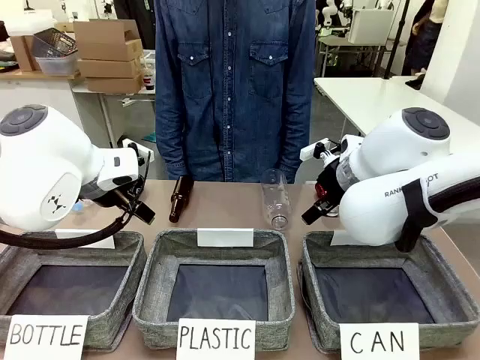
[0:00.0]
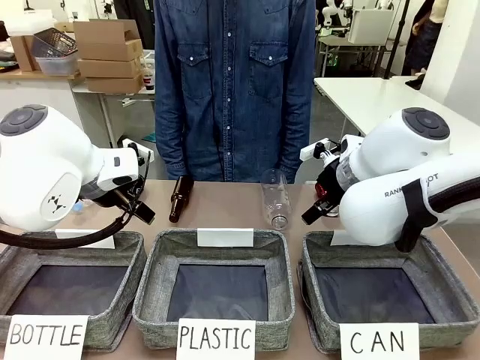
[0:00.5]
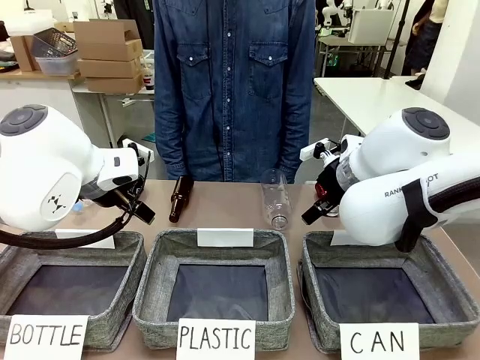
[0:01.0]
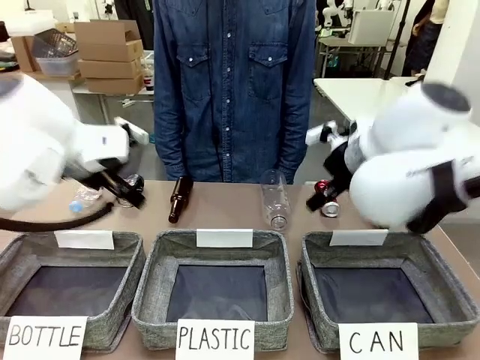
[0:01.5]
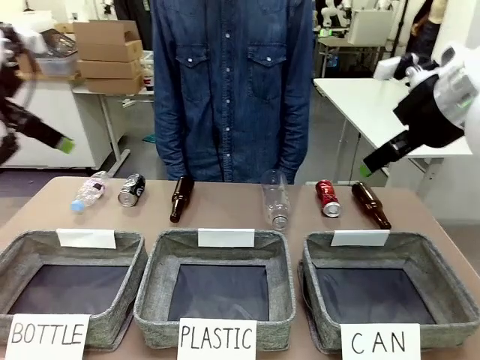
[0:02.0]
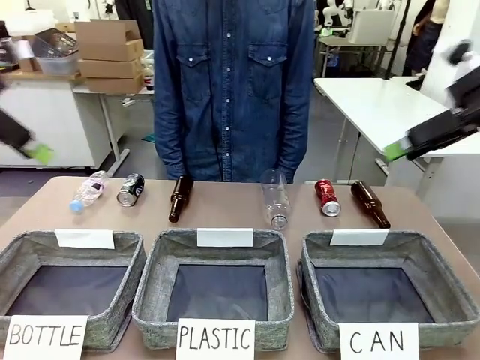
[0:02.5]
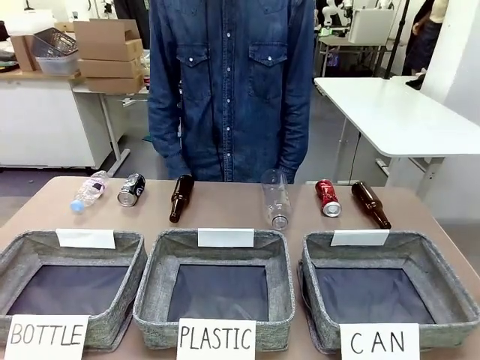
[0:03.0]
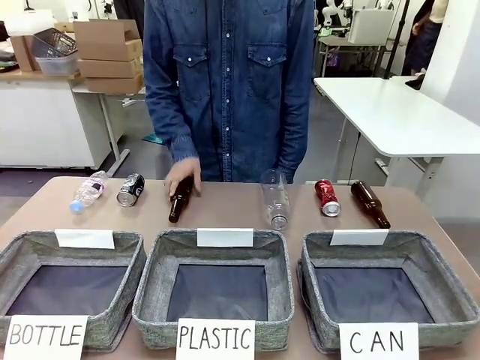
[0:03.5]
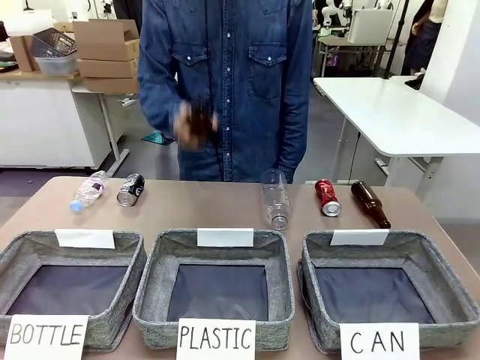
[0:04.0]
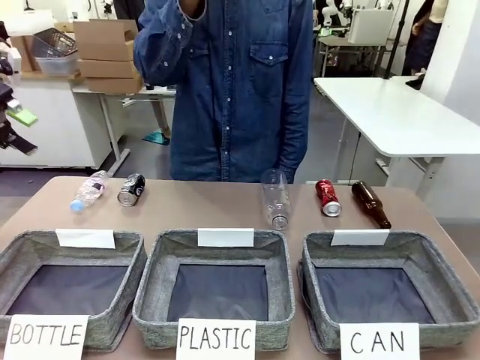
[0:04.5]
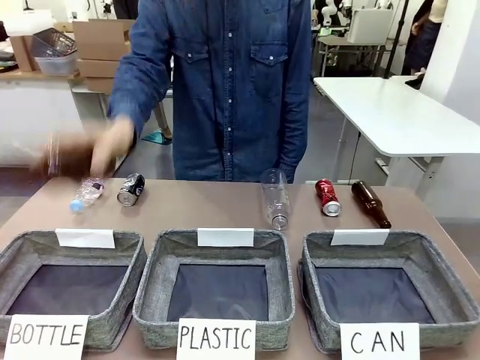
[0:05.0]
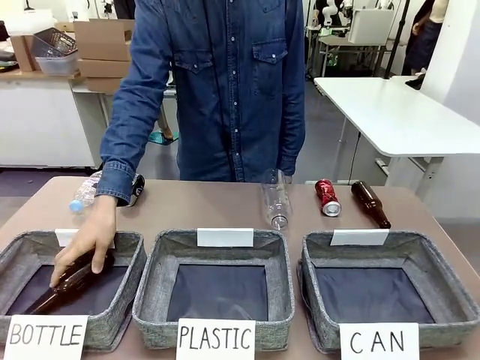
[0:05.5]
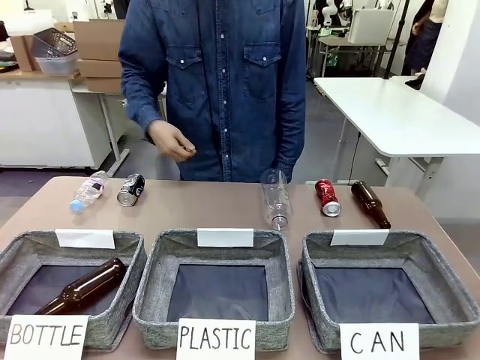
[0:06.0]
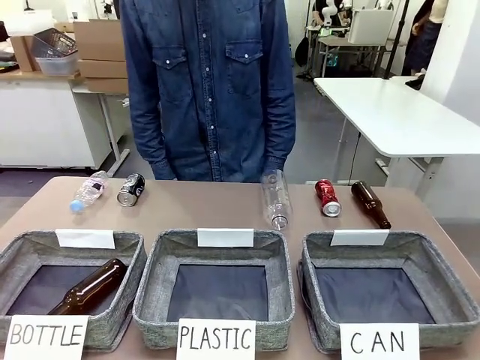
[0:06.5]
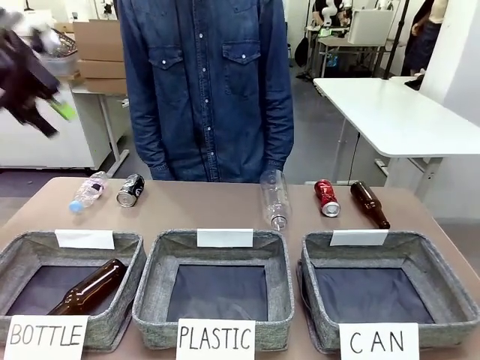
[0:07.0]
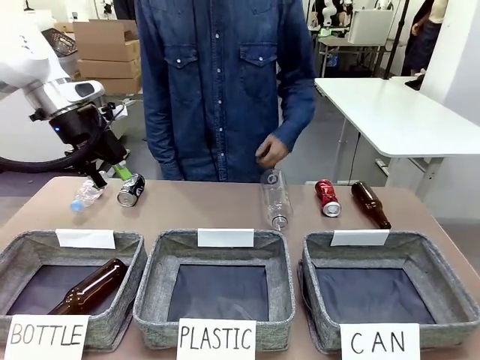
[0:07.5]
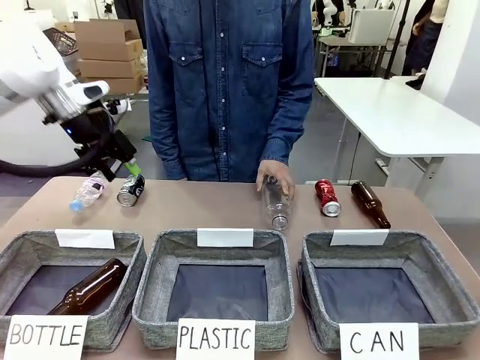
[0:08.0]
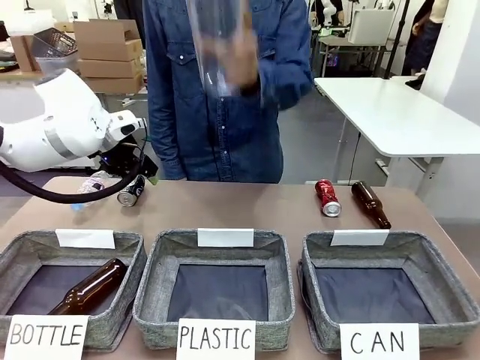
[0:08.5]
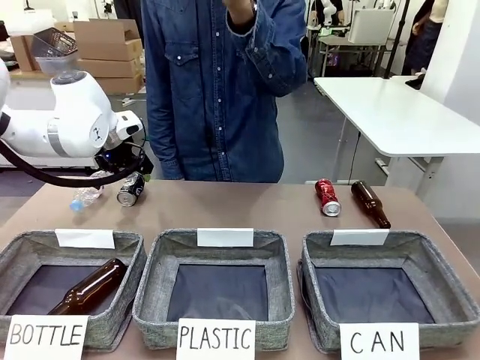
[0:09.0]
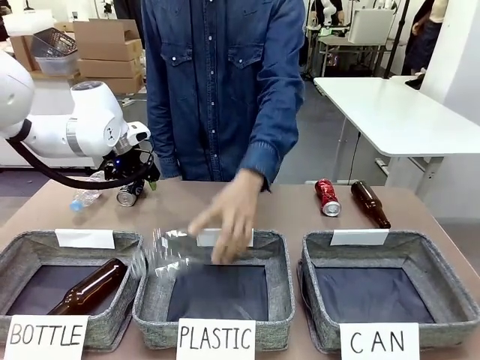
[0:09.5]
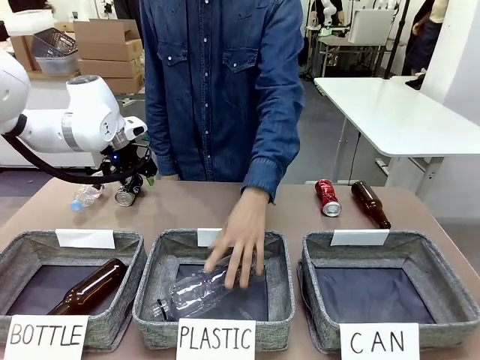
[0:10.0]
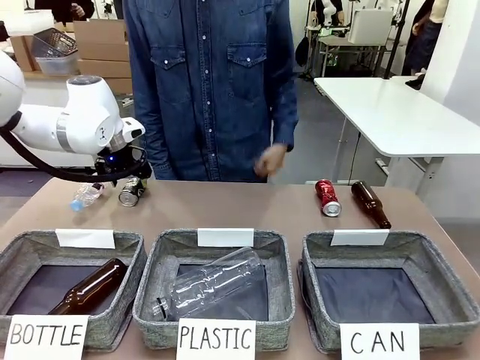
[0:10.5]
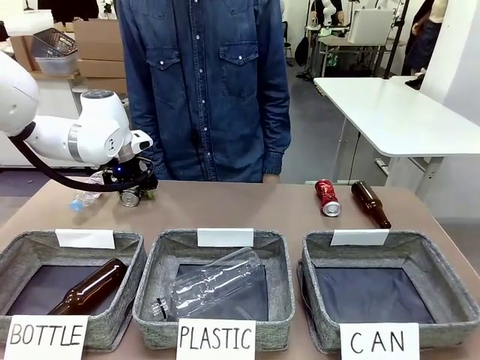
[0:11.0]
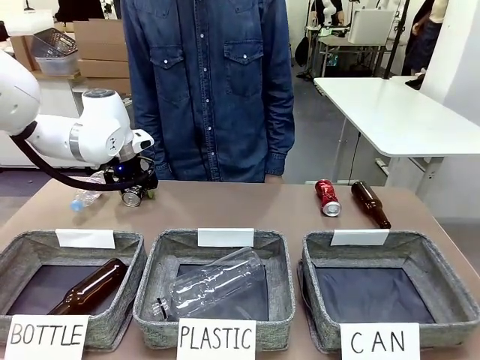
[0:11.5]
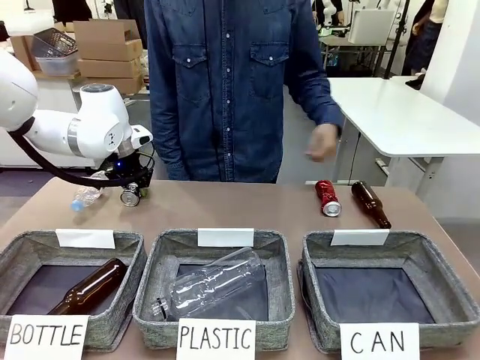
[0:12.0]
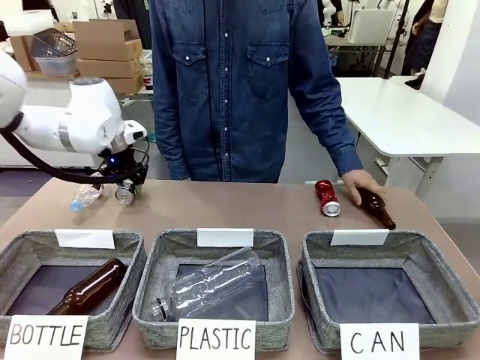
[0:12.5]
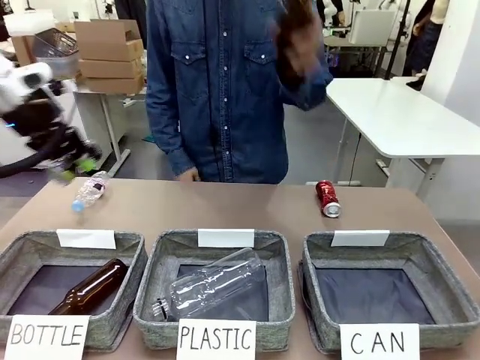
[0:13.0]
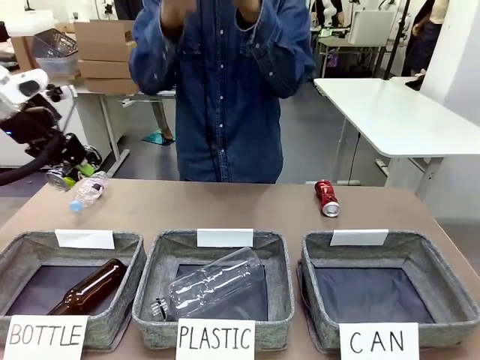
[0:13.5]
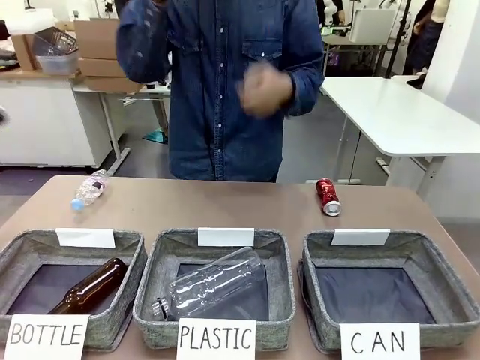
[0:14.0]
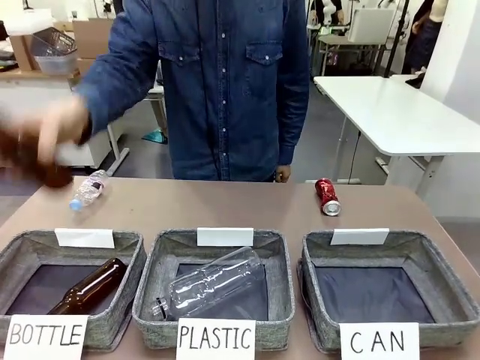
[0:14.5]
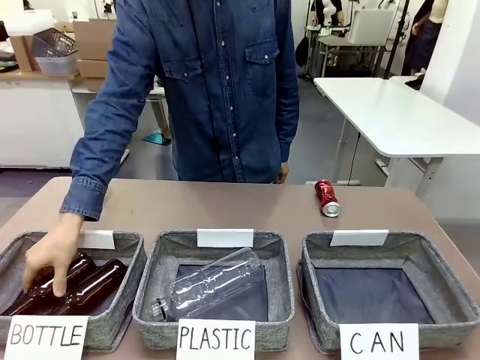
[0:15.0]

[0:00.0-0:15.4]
Task: Sort the can waste into the basket.
Robot: Pick up the can waste from the table and place it in the right Fabric basket.

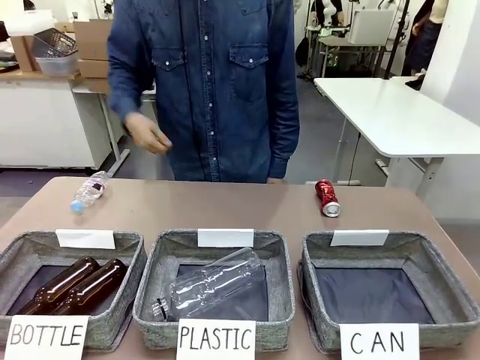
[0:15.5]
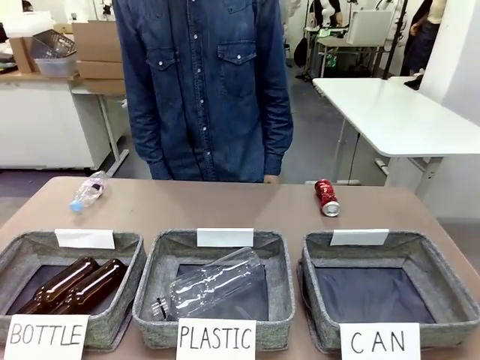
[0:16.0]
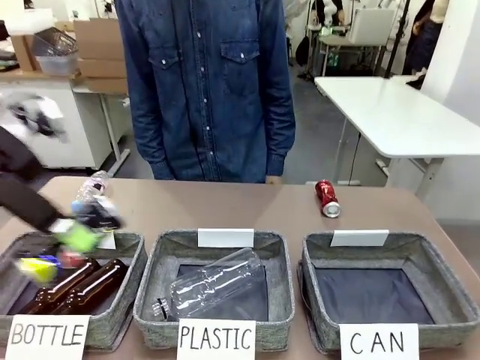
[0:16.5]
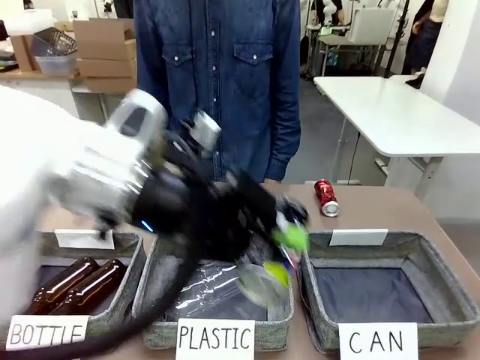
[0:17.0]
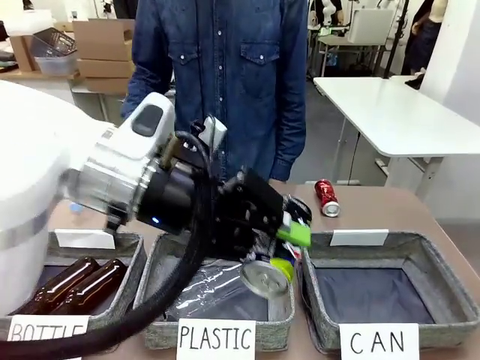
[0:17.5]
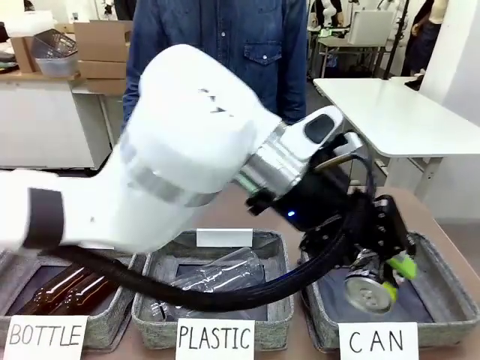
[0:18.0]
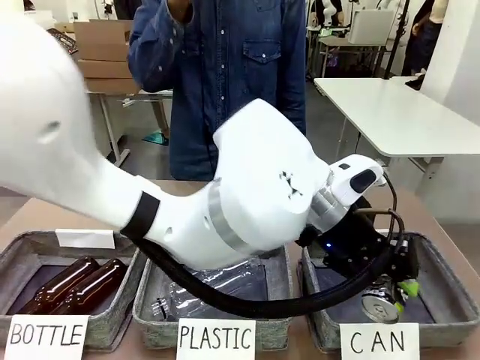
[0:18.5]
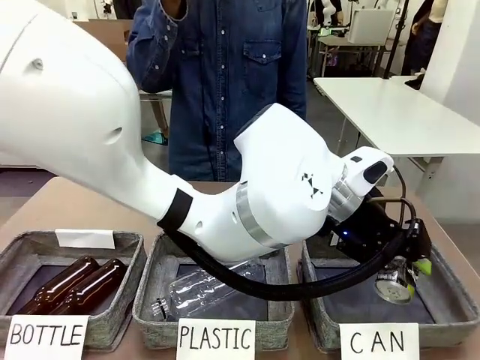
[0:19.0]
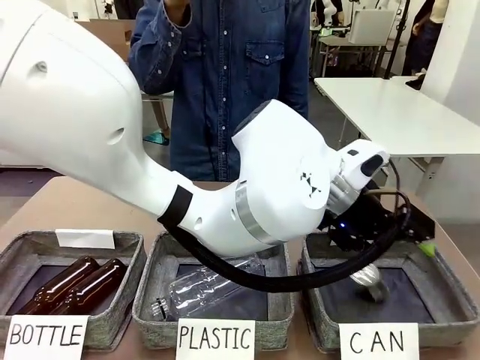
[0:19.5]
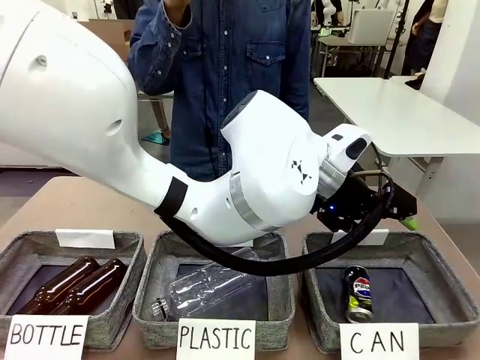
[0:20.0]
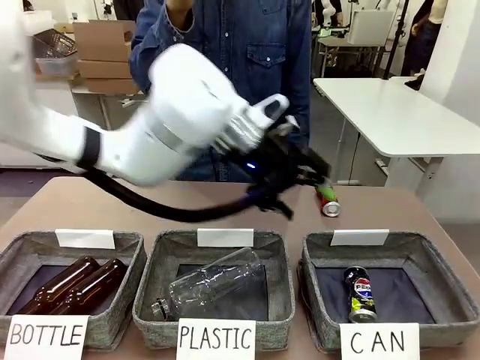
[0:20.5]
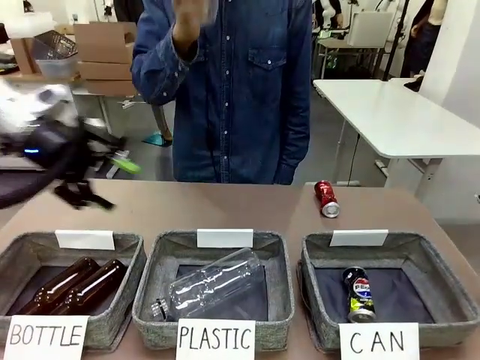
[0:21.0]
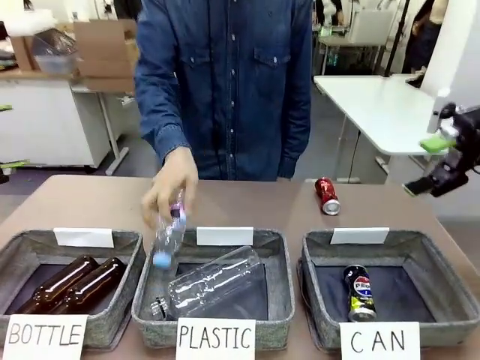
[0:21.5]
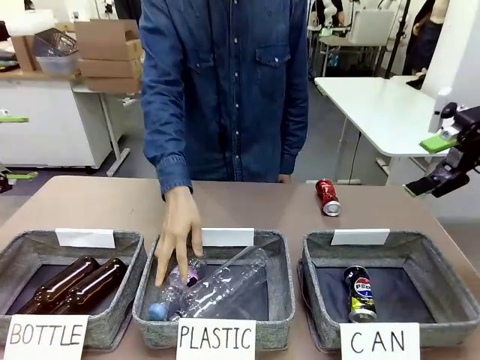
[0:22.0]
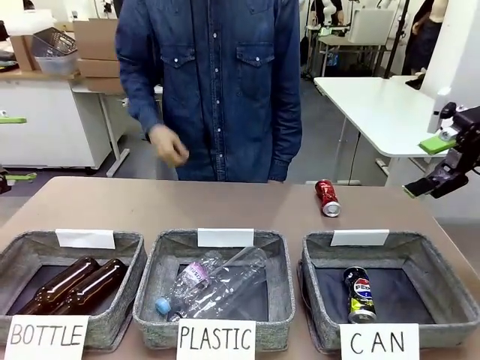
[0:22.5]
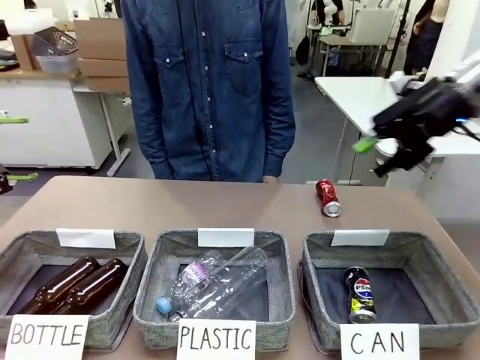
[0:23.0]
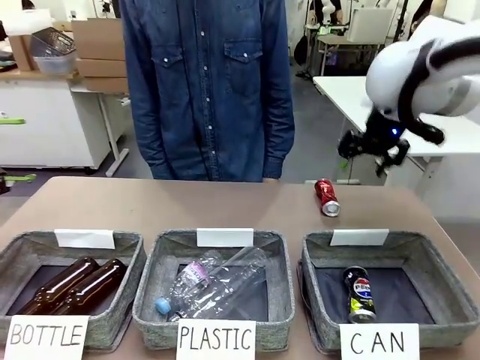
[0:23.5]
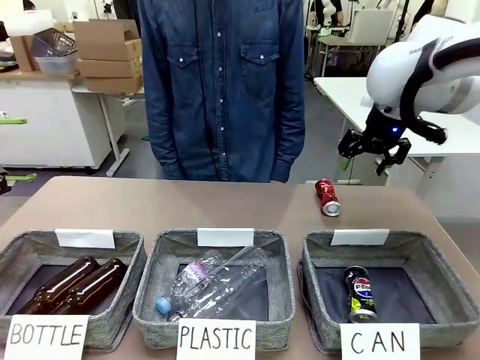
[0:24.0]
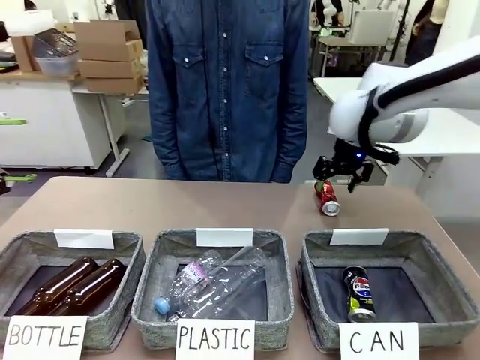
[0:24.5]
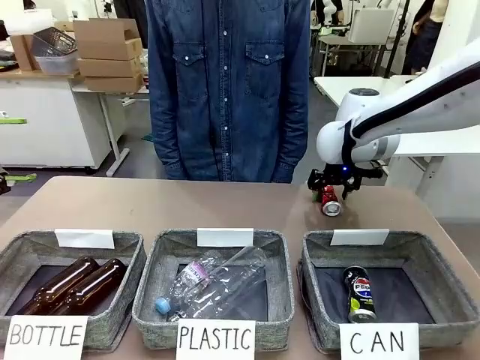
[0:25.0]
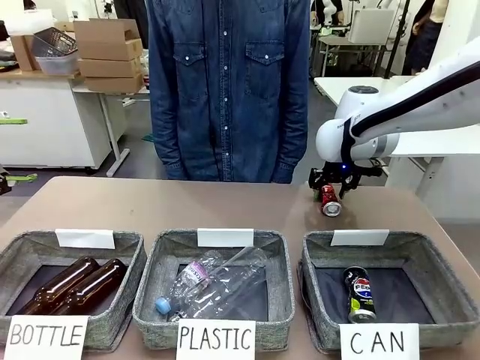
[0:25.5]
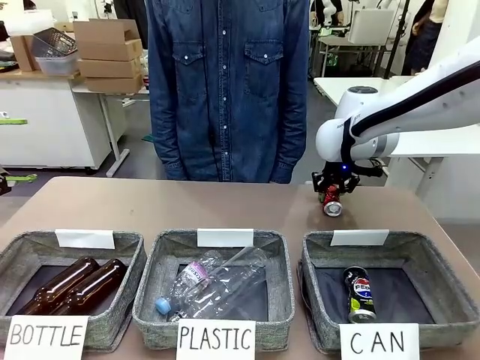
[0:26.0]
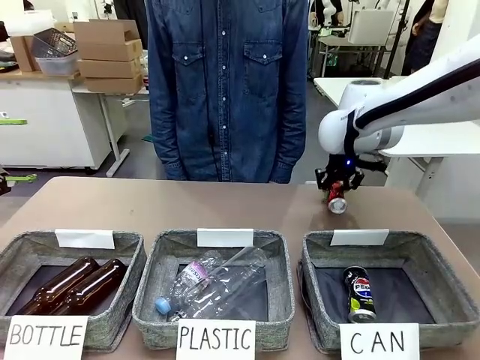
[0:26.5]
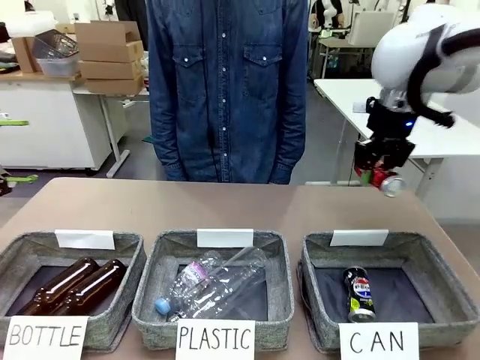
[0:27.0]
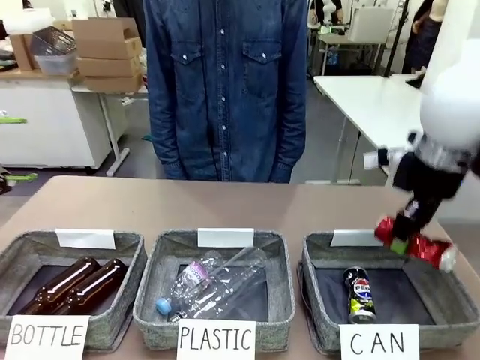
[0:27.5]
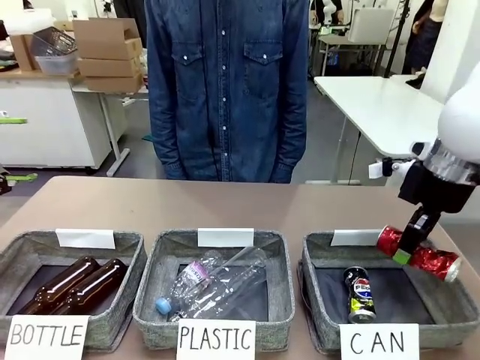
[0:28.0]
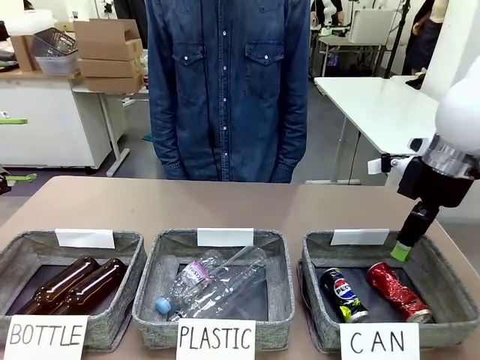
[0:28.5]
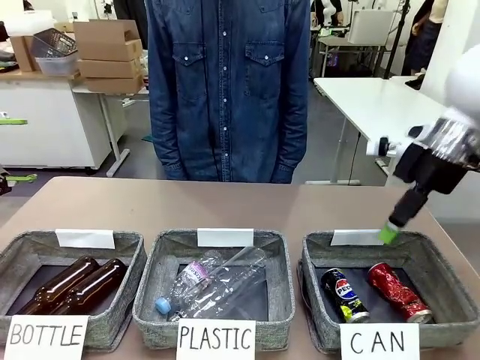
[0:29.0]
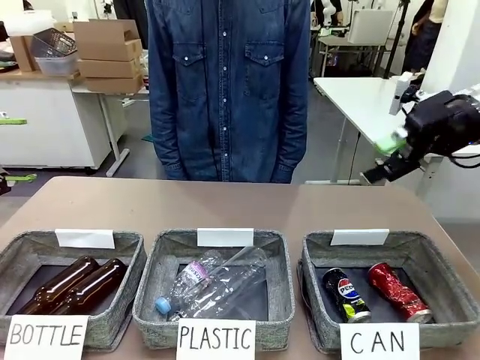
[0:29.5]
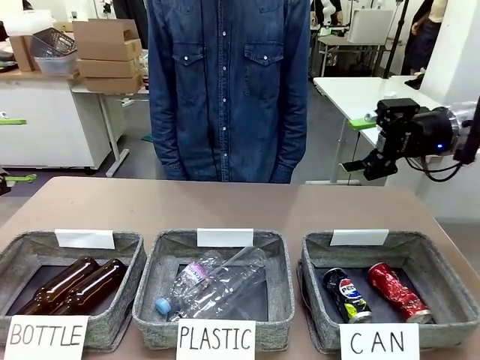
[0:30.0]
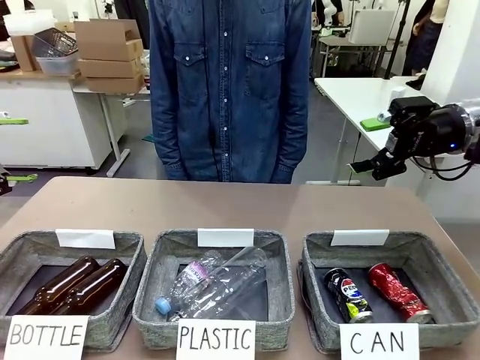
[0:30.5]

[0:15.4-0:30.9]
Robot: Pick up the can waste from the table and place it in the right Fabric basket.
Person: The human picks up one piece of trash that is not a can and places the trash into the appropriate organizing basket.
